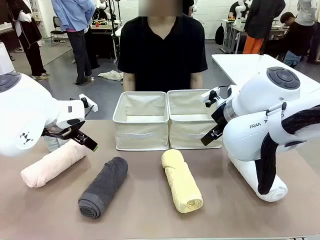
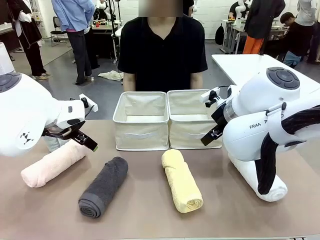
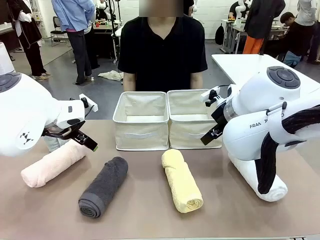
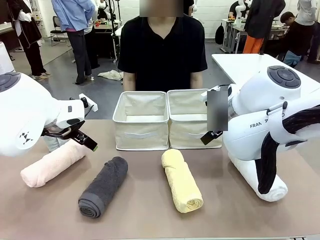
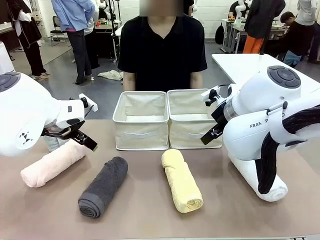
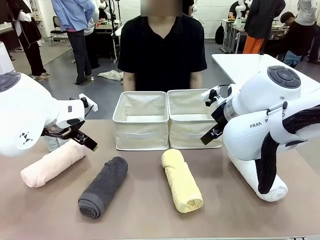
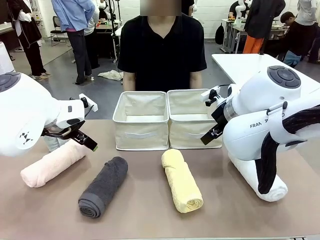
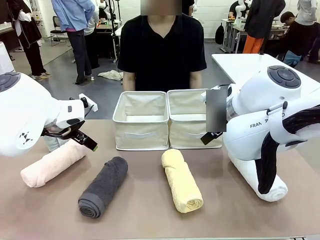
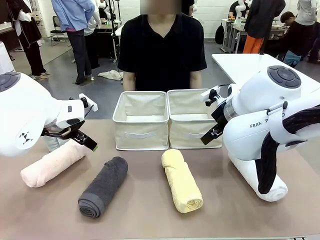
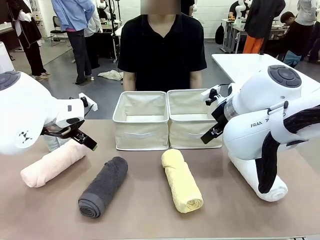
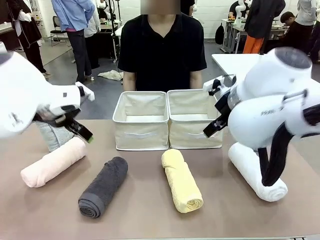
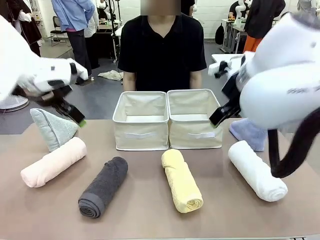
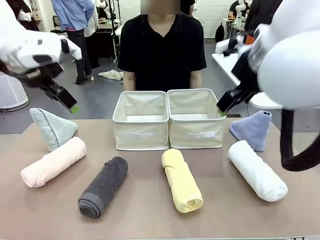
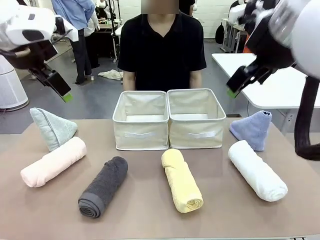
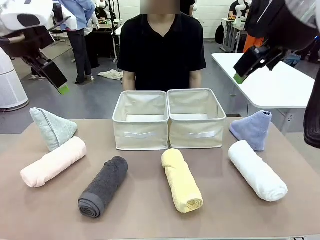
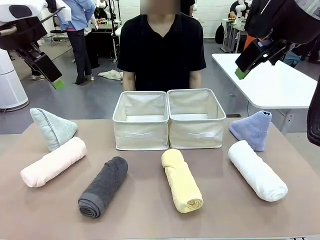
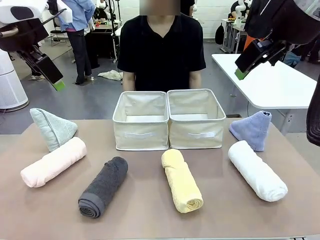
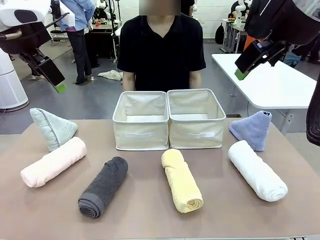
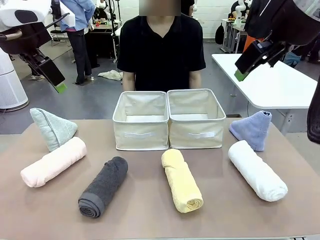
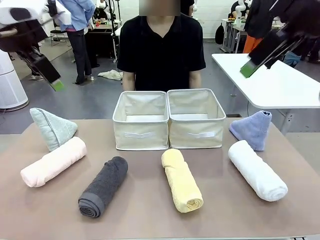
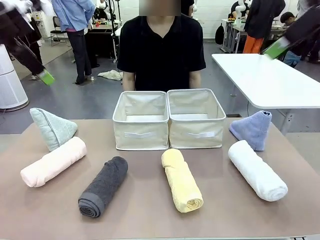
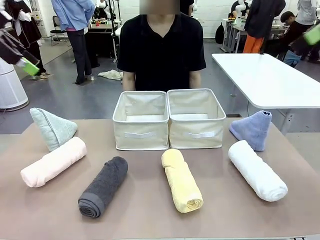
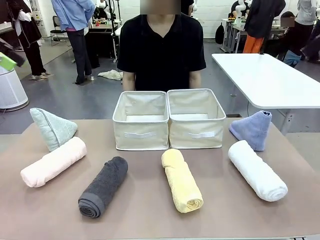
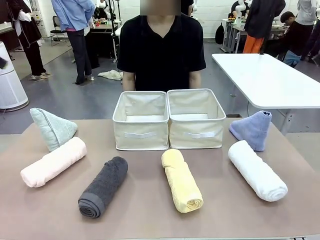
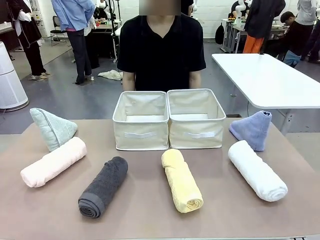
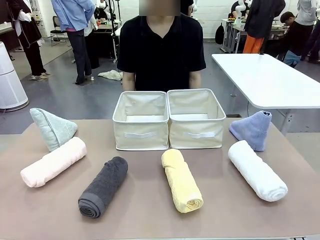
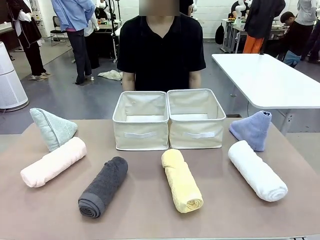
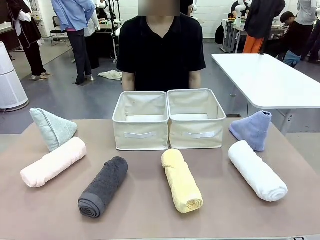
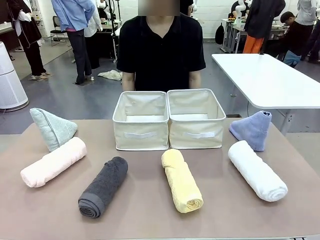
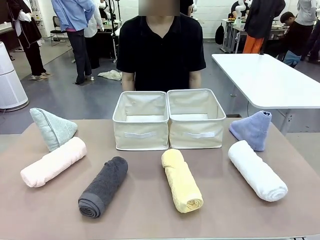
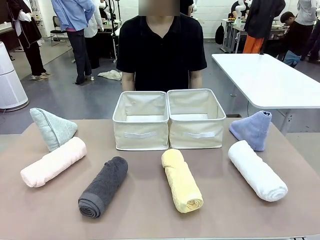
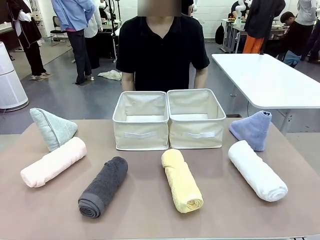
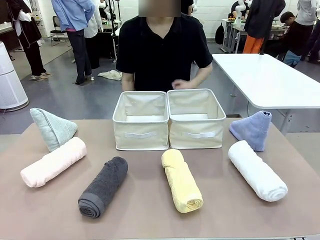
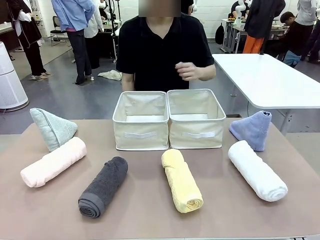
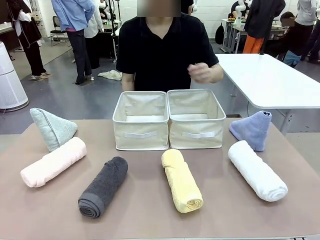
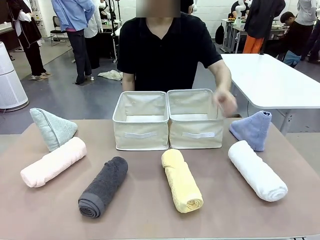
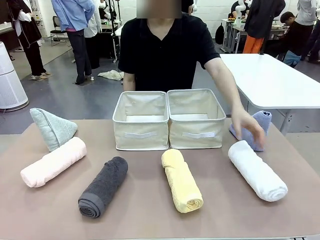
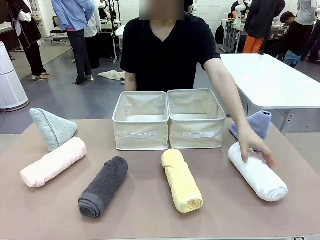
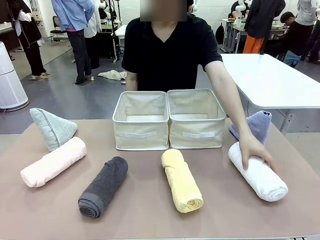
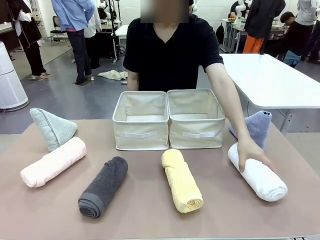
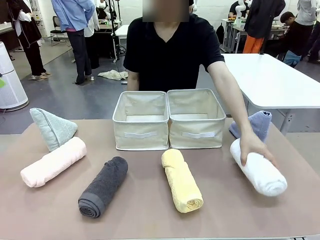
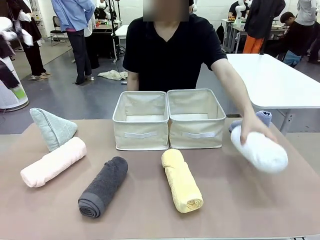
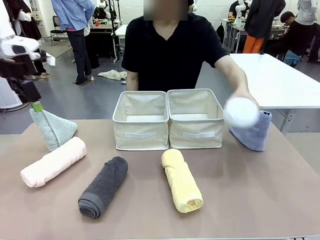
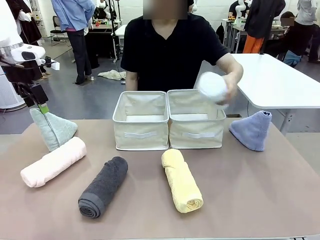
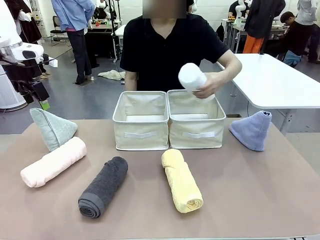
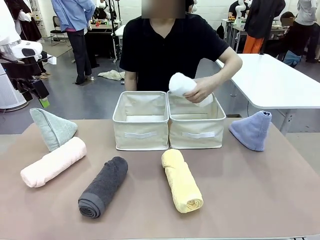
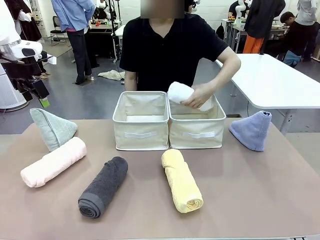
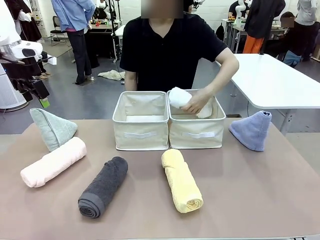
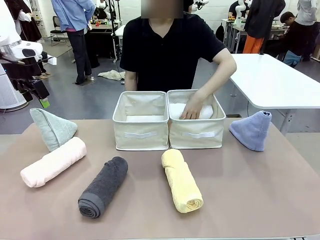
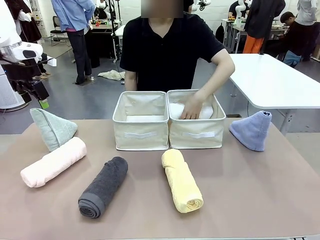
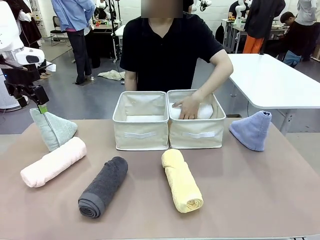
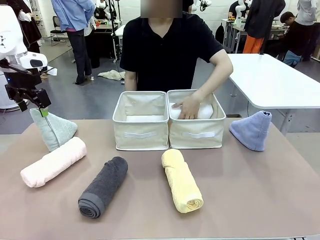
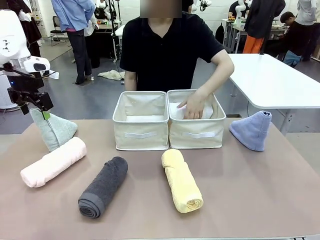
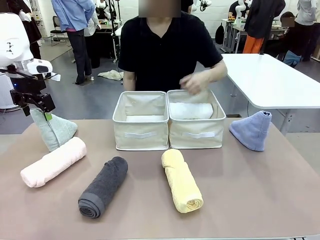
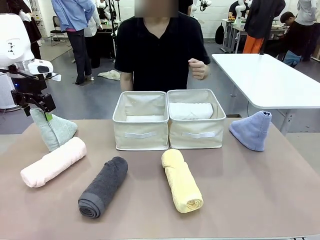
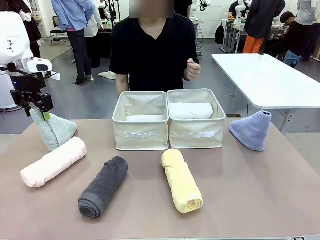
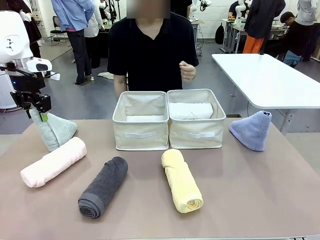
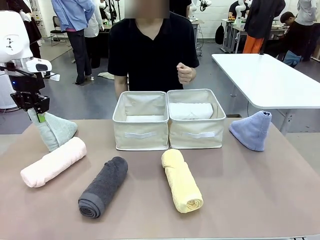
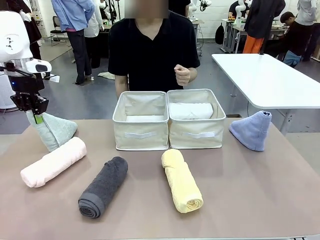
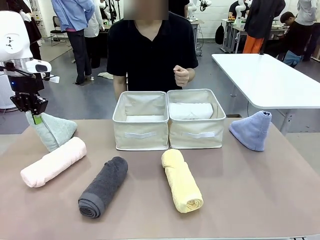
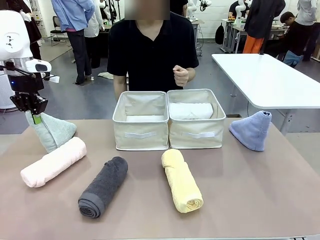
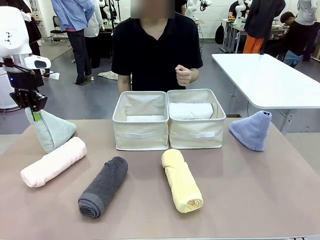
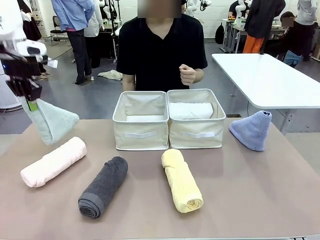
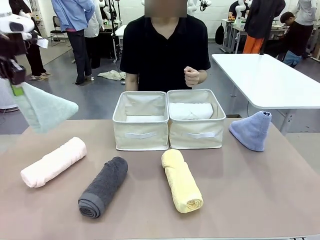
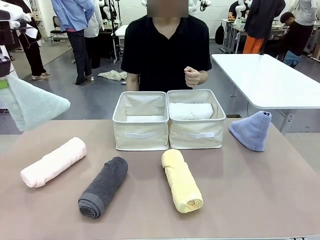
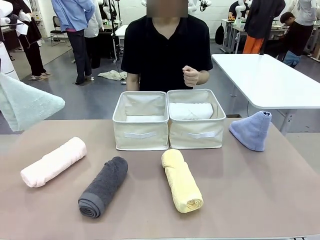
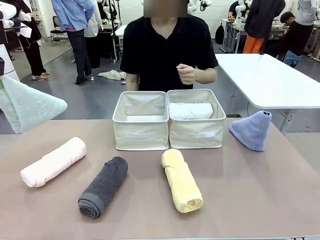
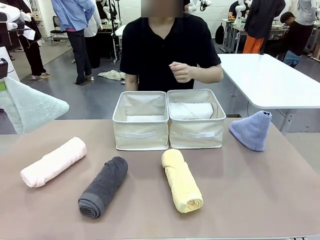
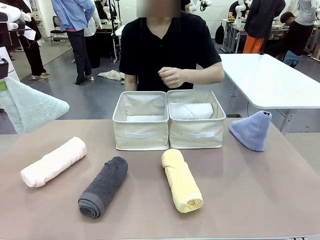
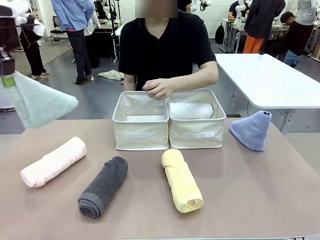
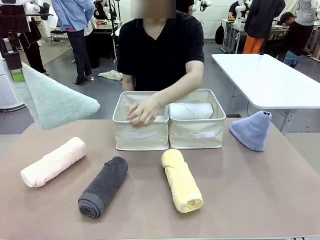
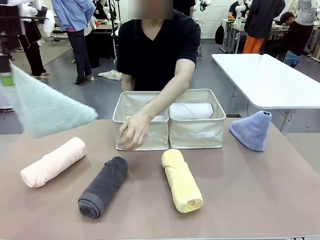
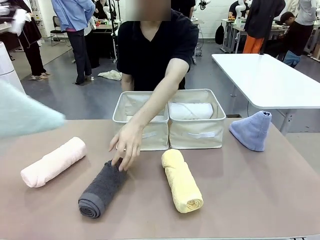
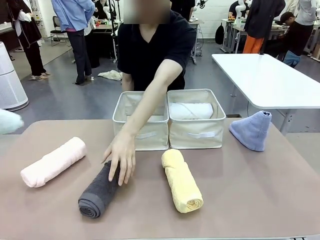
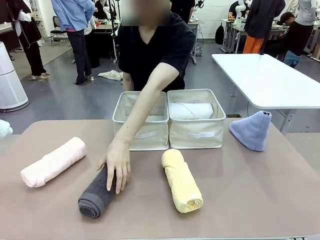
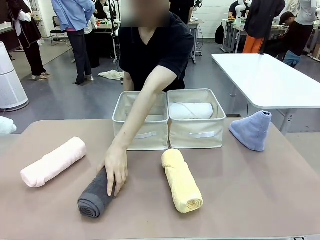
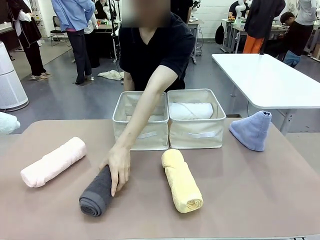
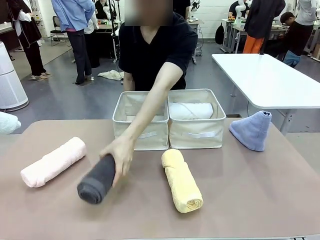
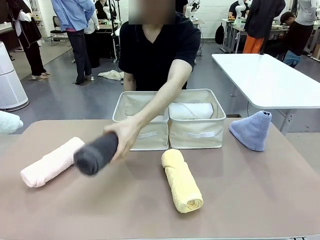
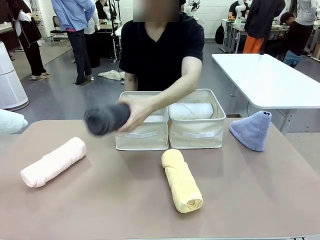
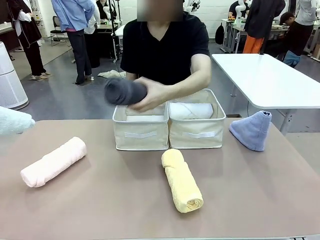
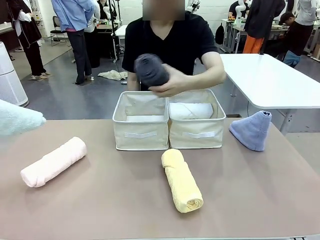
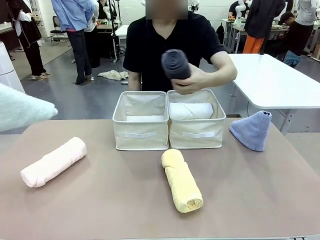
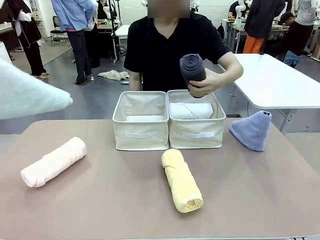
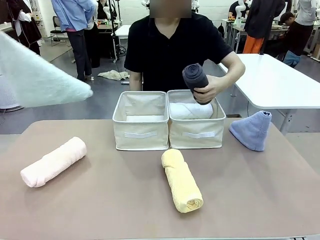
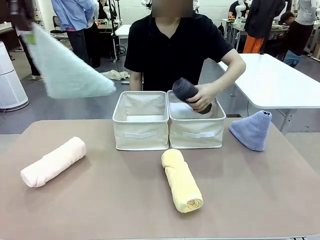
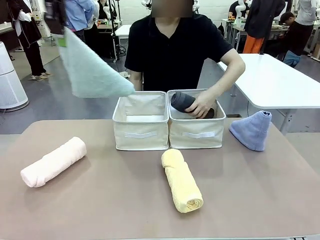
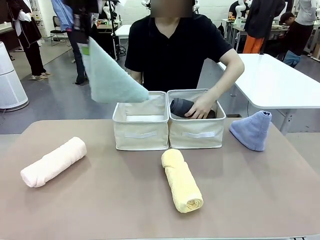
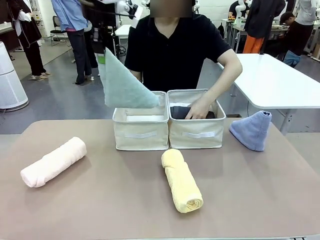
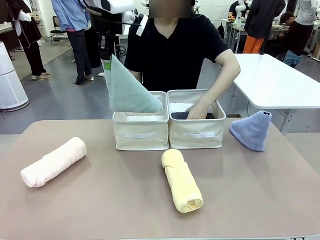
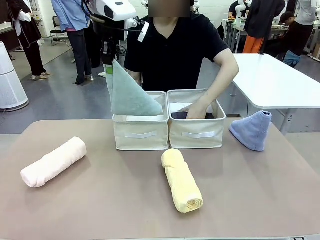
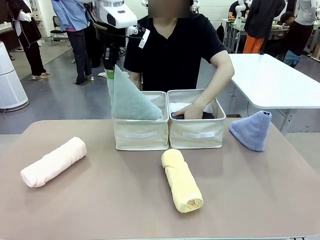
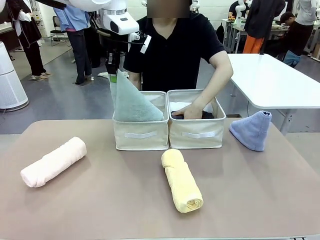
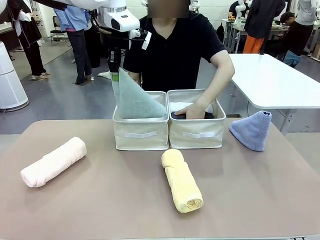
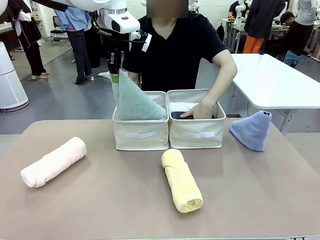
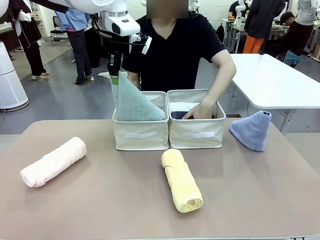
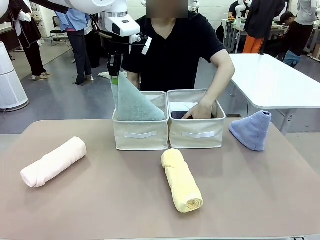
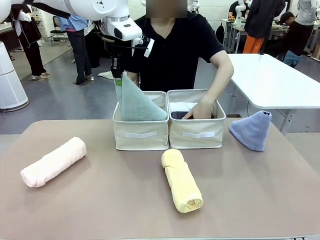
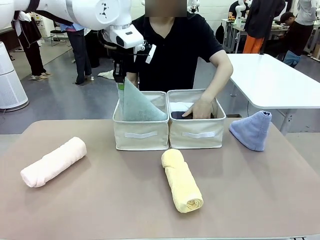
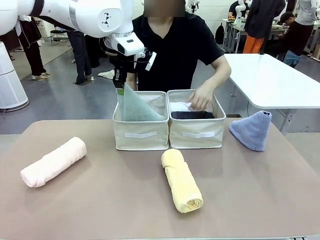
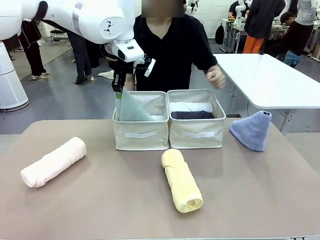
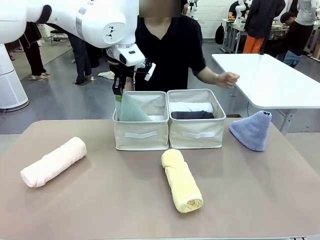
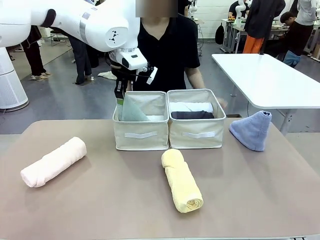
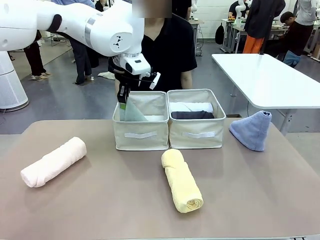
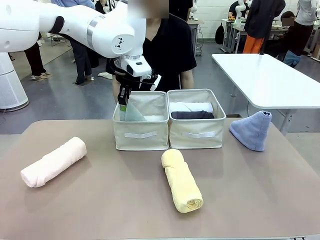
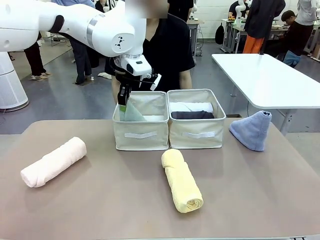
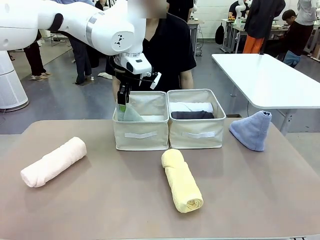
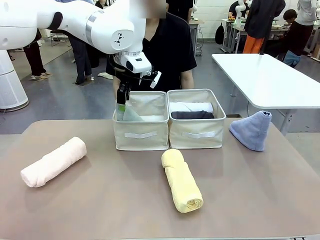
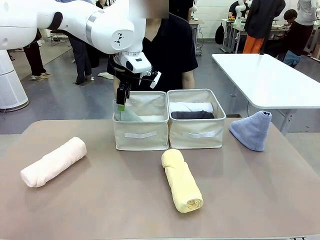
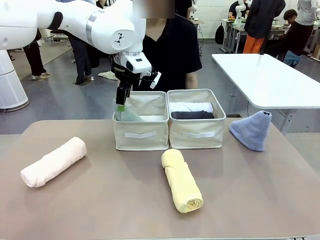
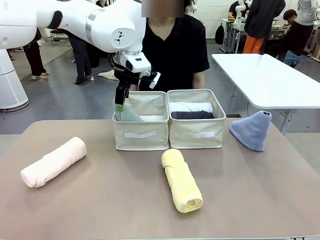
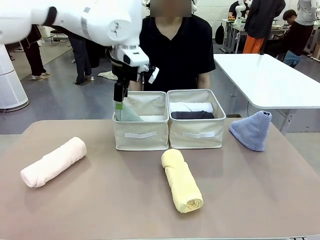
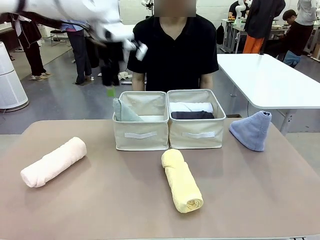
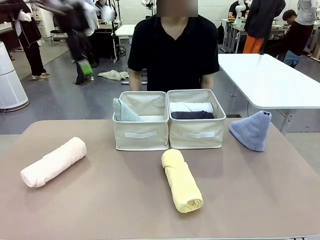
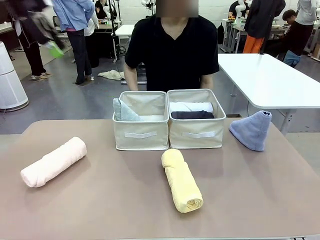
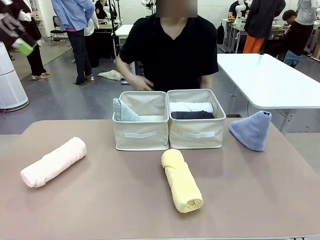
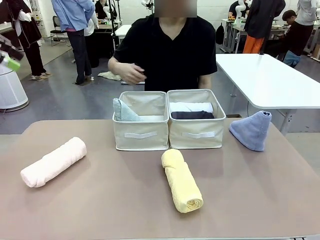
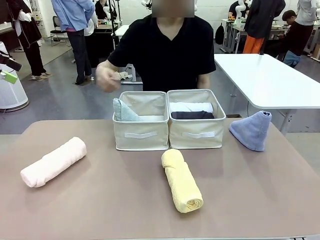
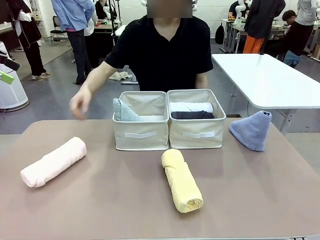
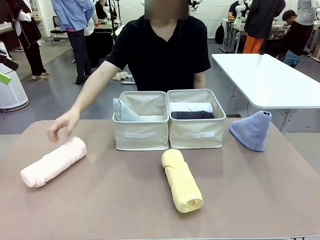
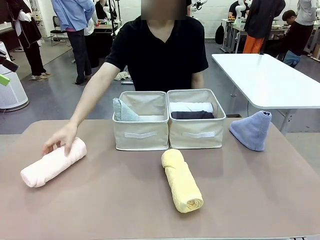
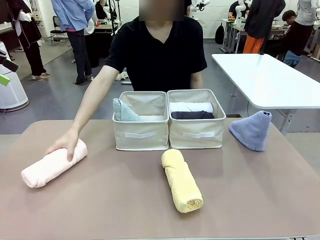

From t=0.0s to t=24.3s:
Task: Sort the towels based on their folding style.
Robot: Pick up one triangle-folded towel and place it in the left Fabric basket.
Person: Pick up one hotel-style rolled towel and place it in the left fabric basket.
